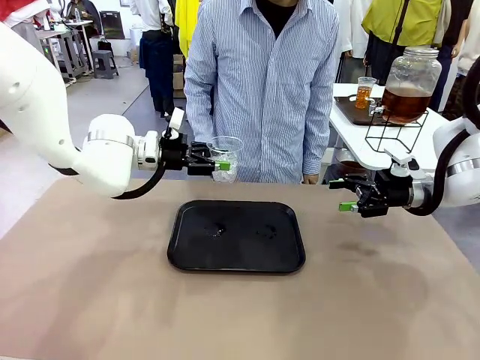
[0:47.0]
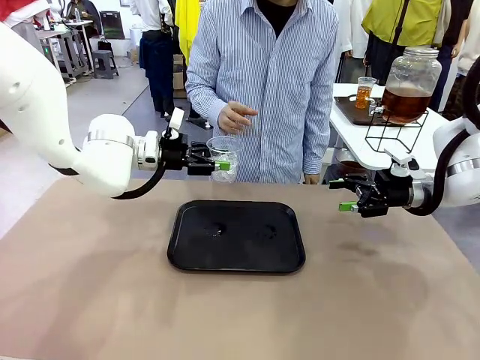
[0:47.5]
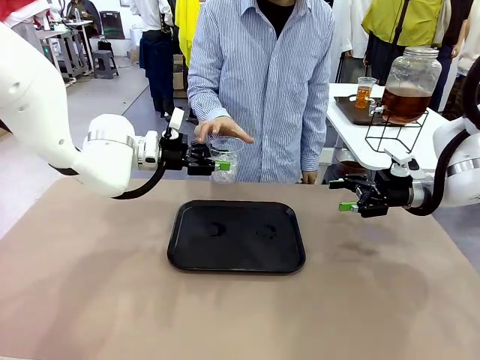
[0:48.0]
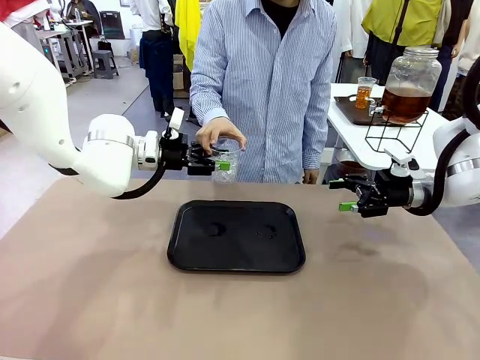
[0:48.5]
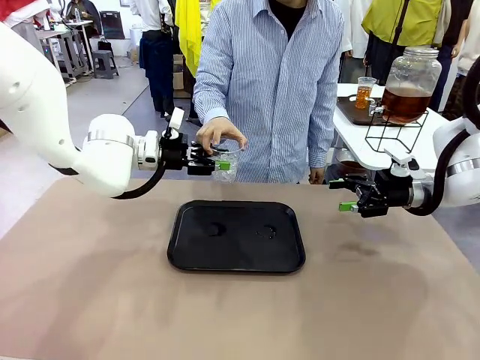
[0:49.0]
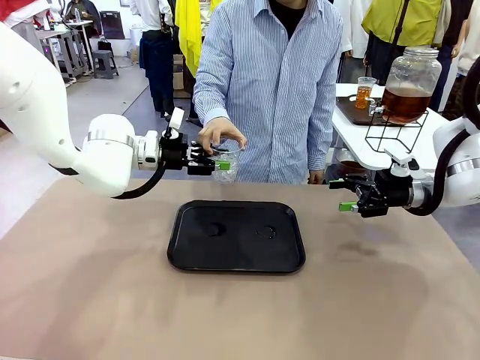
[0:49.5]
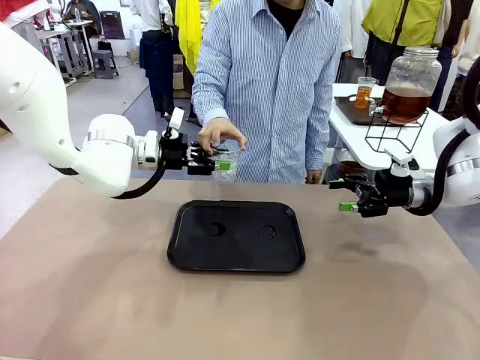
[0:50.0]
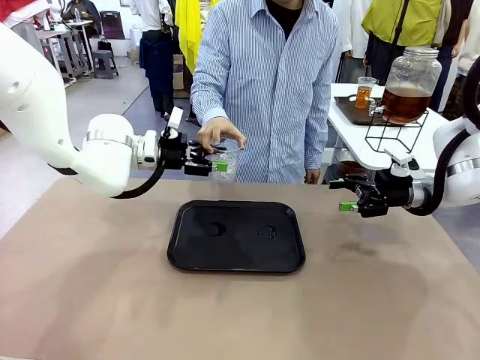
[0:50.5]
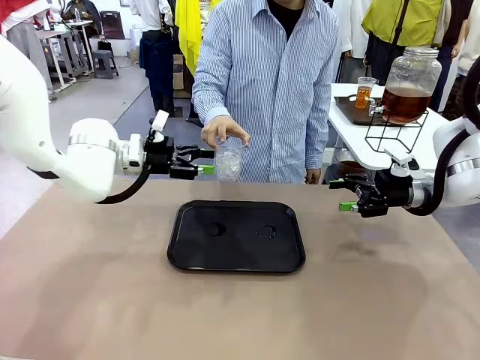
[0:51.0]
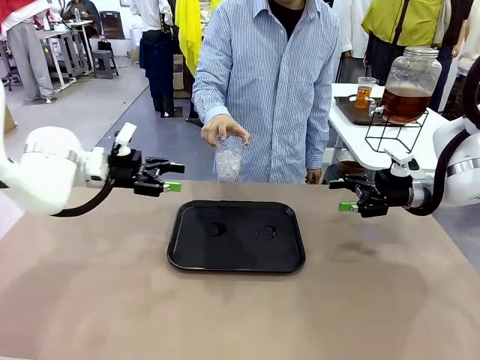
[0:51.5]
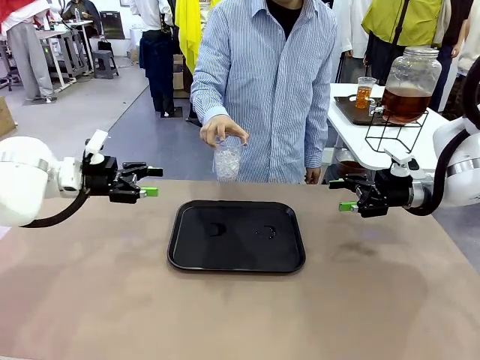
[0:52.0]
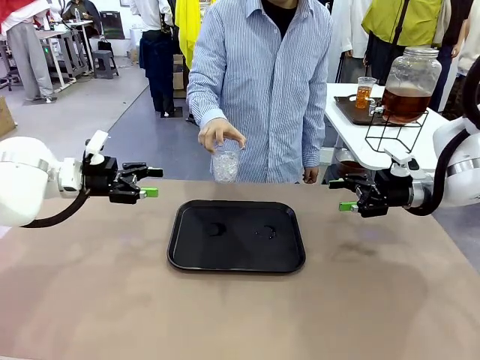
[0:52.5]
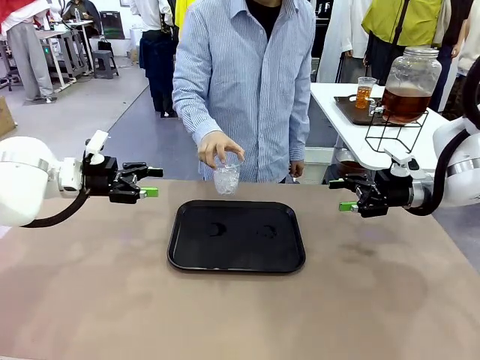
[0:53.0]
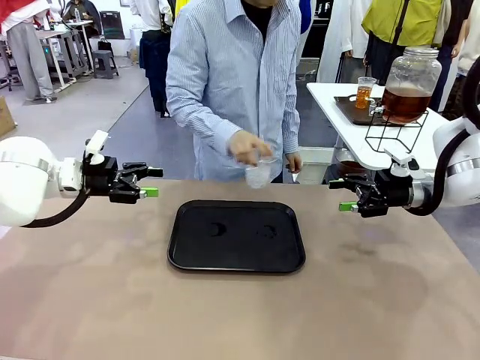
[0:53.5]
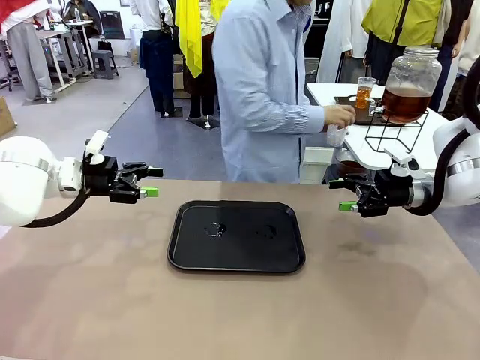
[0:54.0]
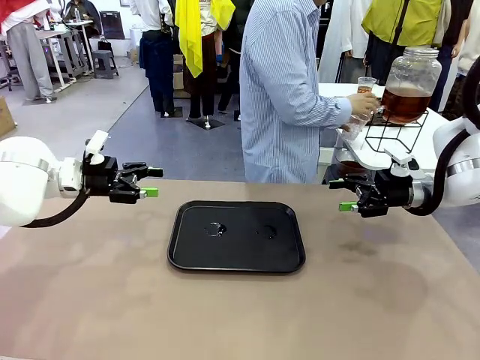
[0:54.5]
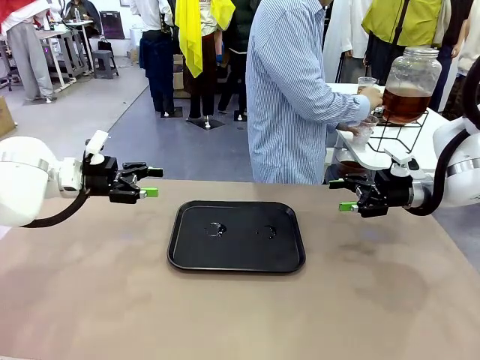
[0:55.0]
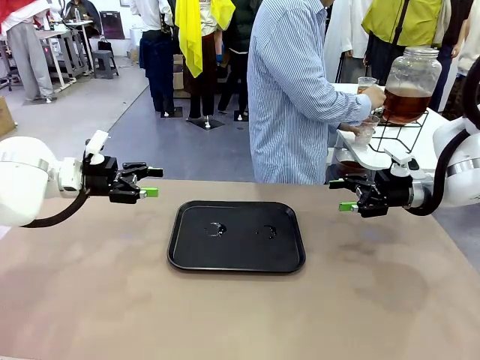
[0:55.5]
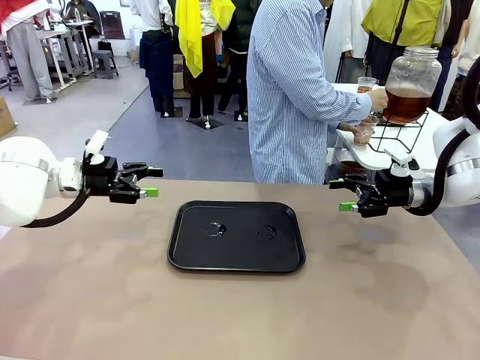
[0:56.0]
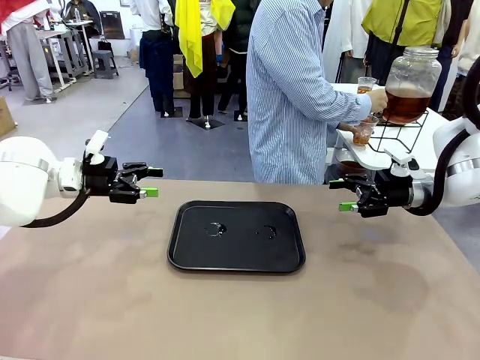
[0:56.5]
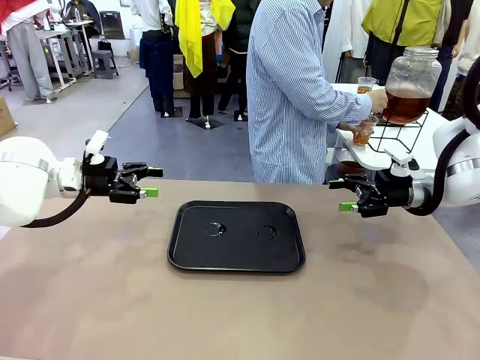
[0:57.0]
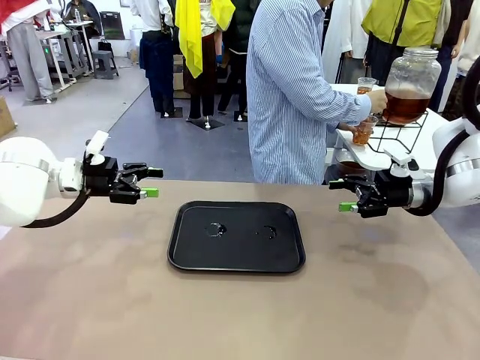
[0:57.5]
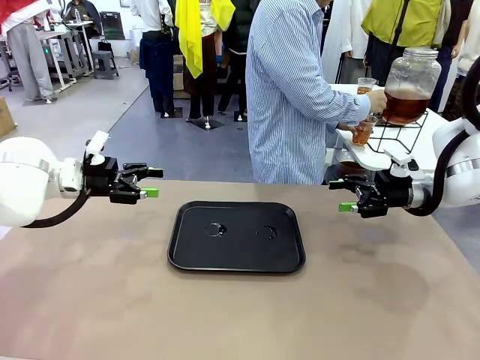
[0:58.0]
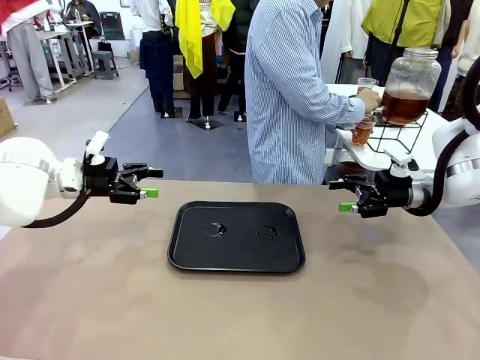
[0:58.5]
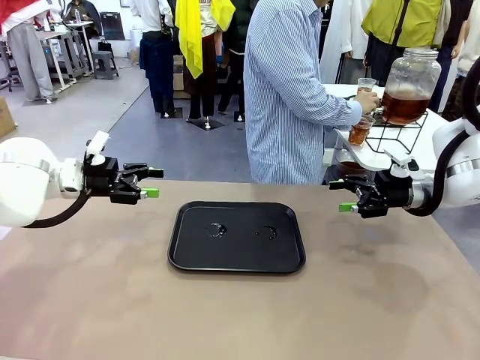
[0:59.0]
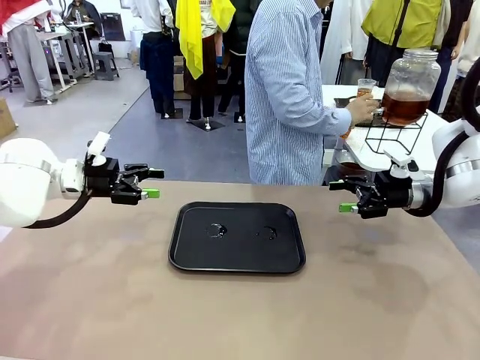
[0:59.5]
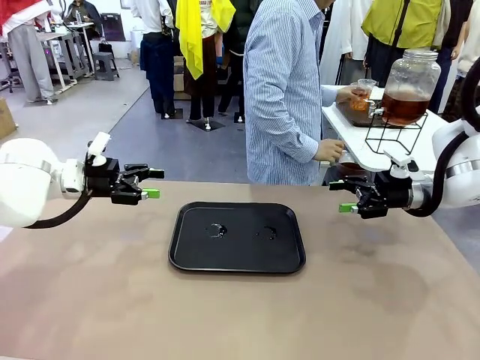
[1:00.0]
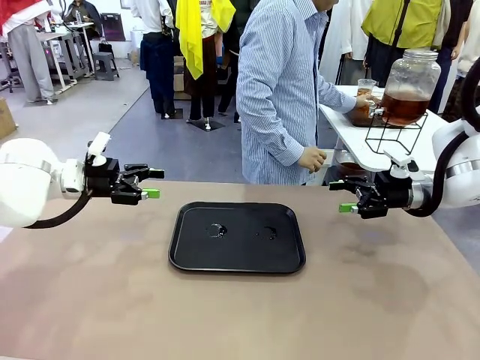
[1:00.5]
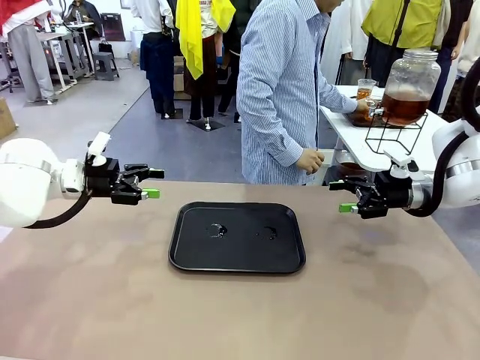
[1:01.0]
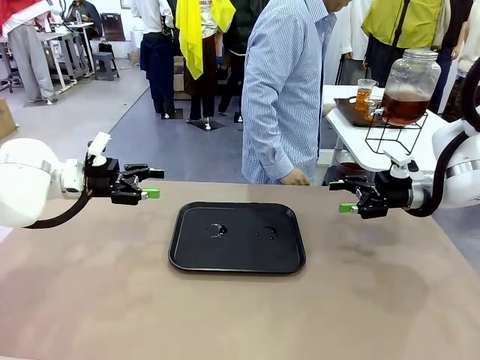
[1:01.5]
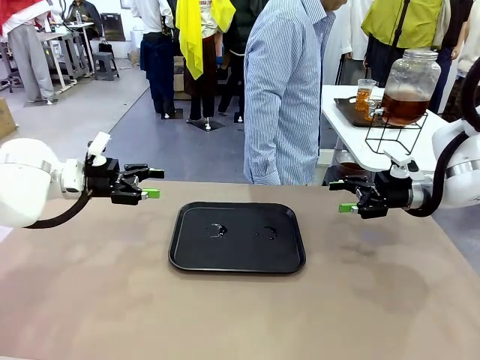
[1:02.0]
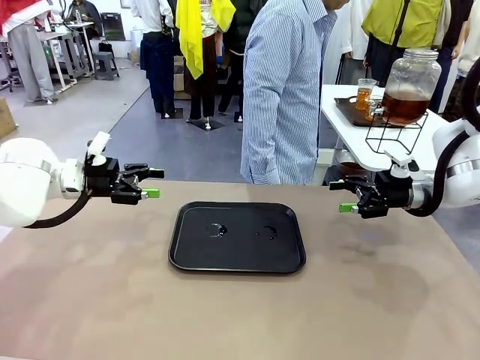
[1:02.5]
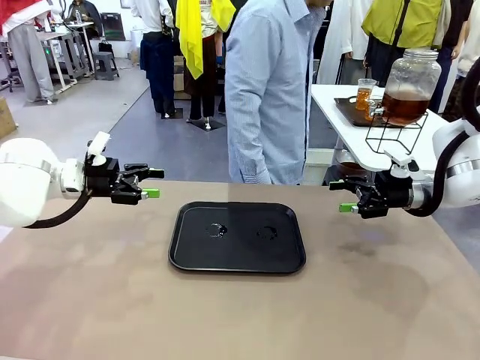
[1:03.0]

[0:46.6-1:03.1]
Task: Pour the drink into the iced cup.
Robot: Open the gripper to release the iced cup you were holding.
Person: Move the picked-up cup under the dispenser faucet, pour the drink, and place it on the tray on the human table.

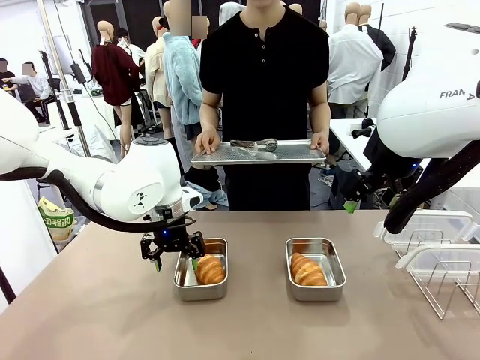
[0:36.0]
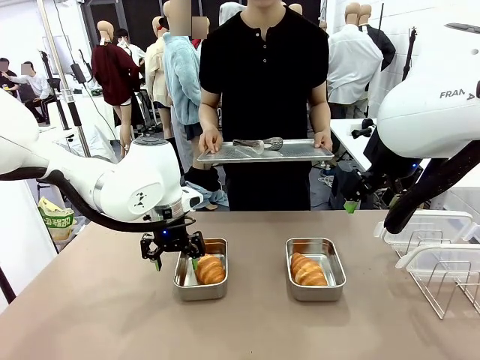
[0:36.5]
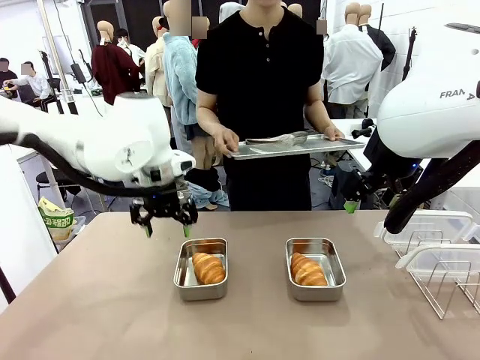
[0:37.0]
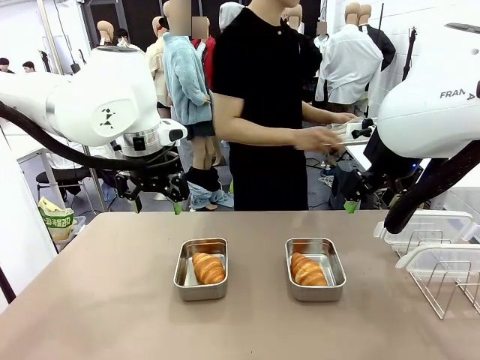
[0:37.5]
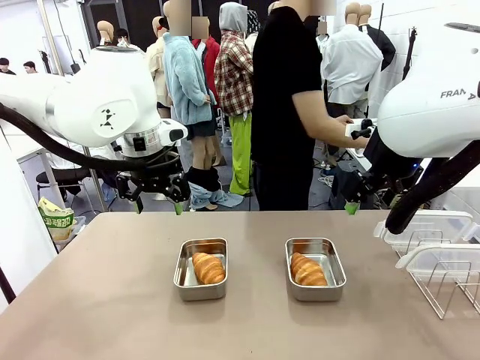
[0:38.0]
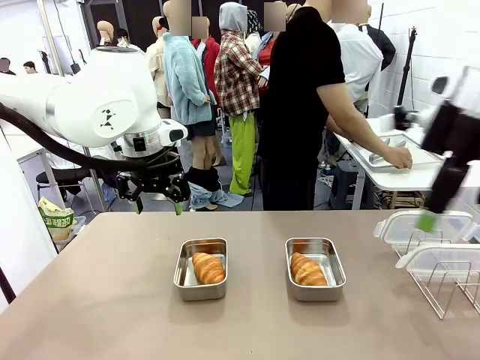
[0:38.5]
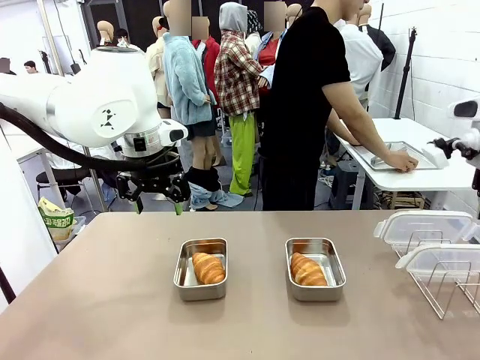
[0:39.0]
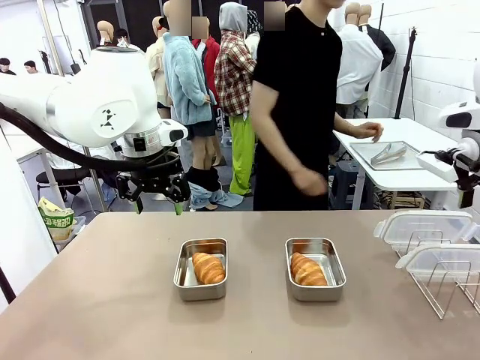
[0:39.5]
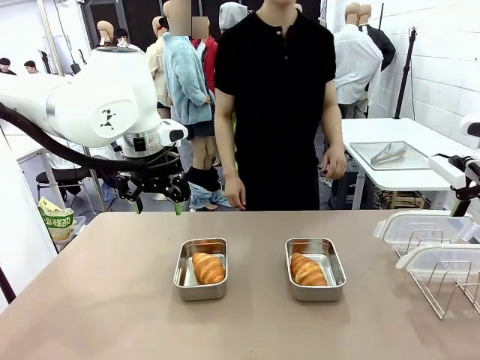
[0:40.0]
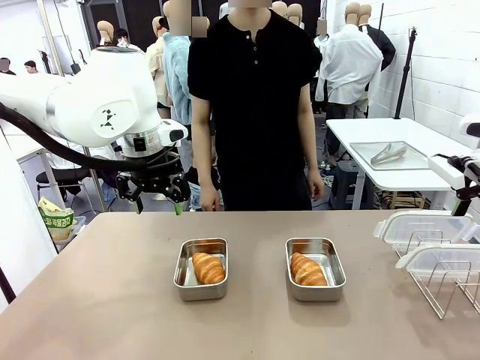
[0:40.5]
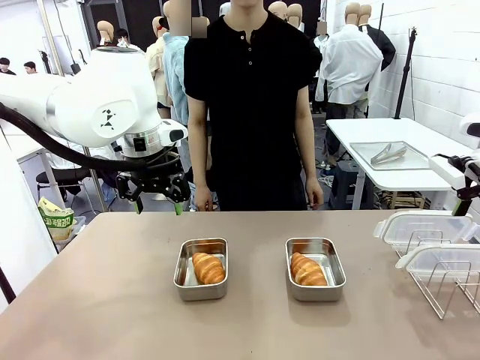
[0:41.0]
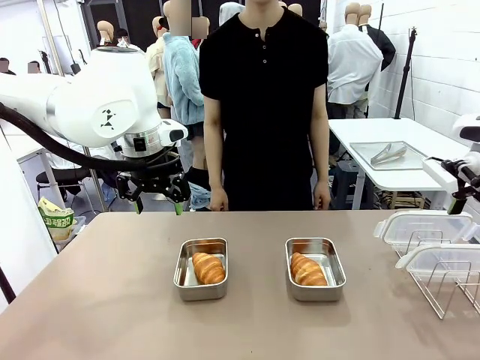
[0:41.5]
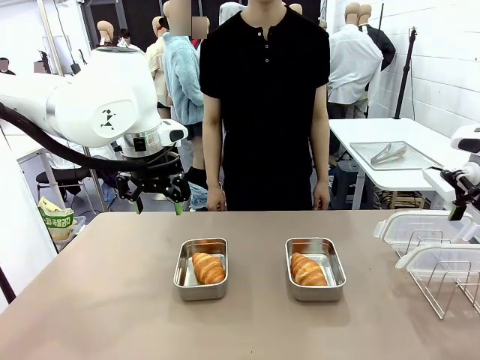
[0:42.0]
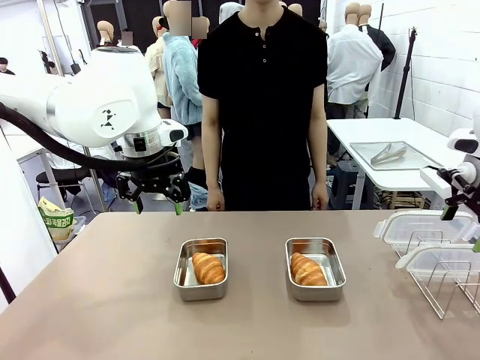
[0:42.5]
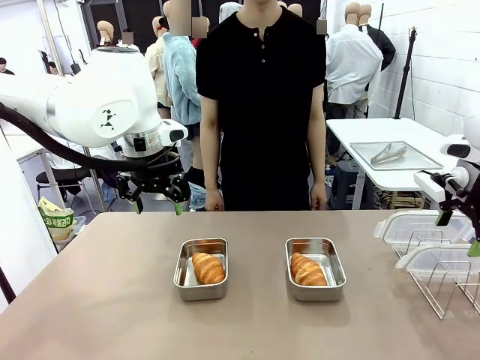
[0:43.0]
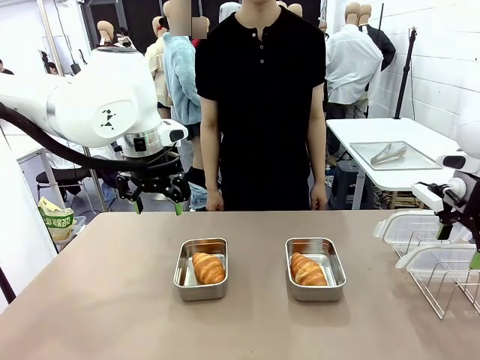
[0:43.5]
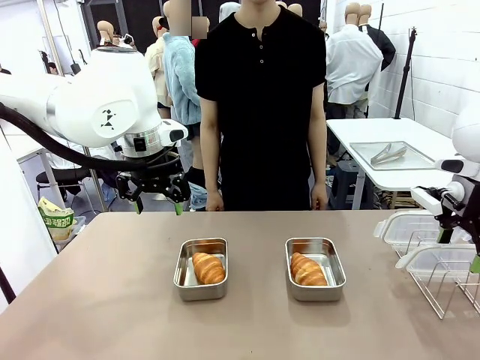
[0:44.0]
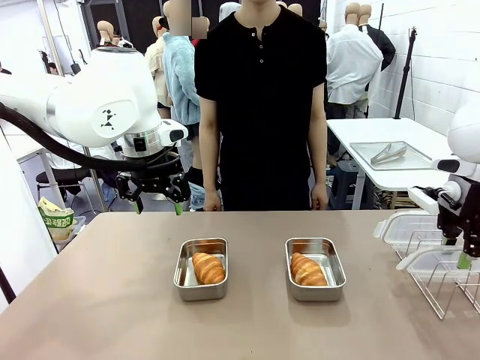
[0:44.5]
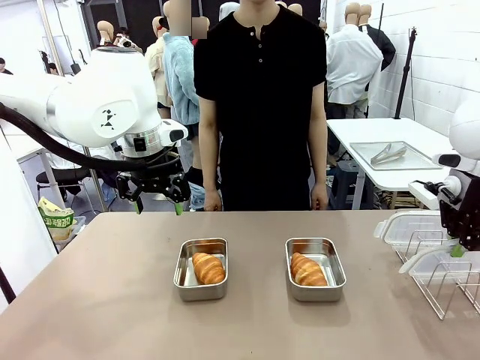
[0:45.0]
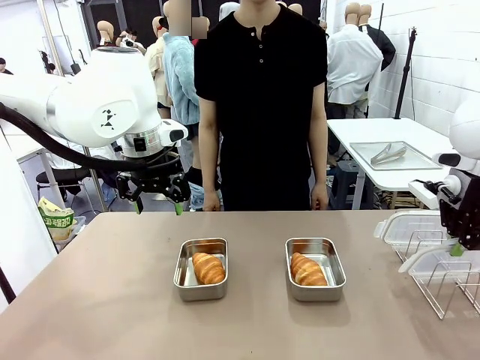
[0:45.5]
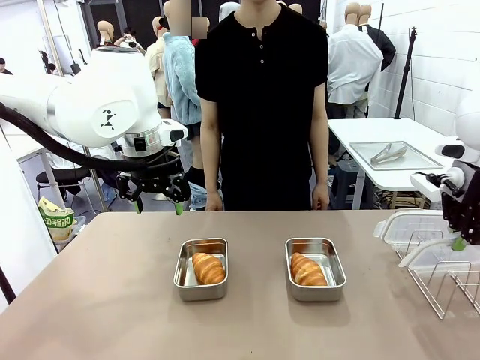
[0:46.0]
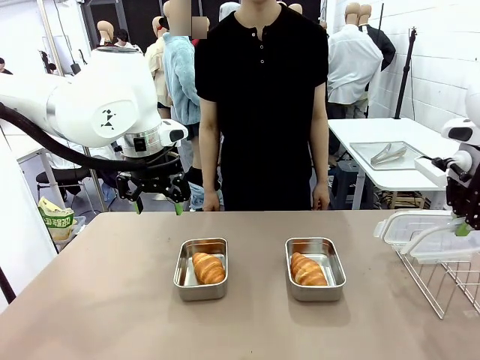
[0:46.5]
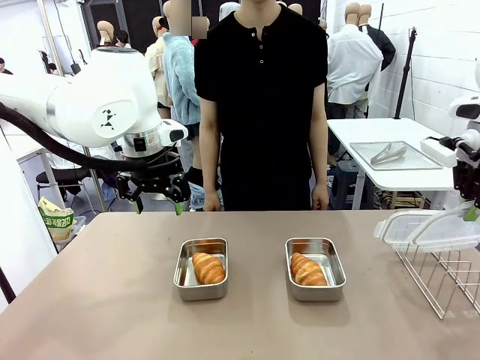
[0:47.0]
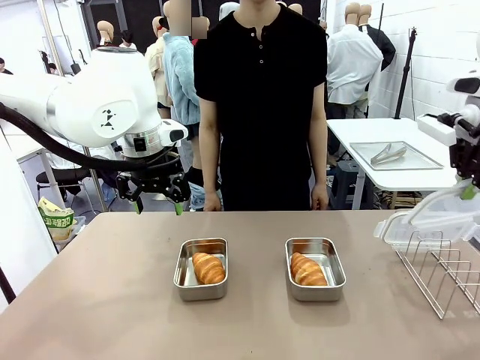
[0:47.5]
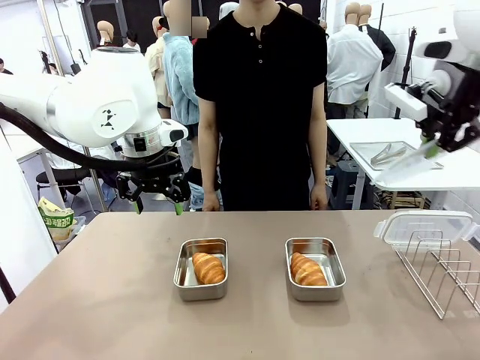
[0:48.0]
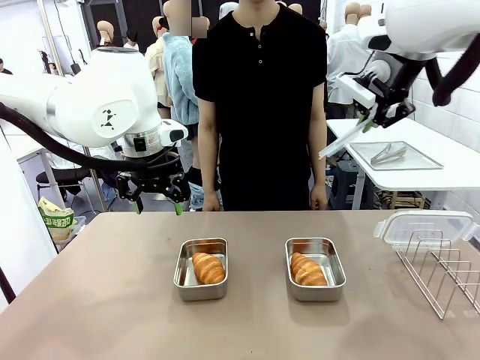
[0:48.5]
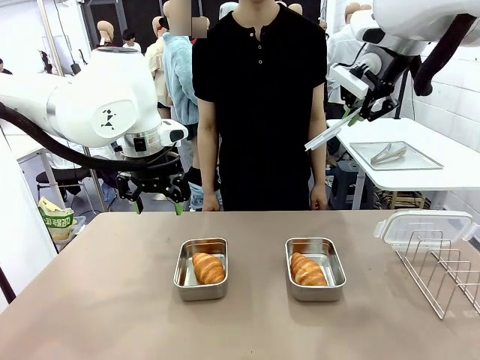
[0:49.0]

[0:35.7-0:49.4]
Task: Place the bread in airtight containers.
Robot: Pick up one Airtight Container lid and hand it to the human.
Person: Grip Airtight Container lid that robot is handing.
